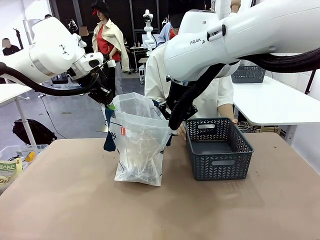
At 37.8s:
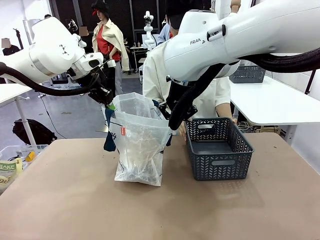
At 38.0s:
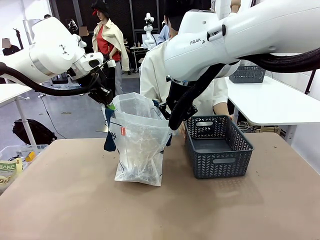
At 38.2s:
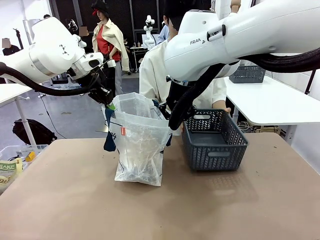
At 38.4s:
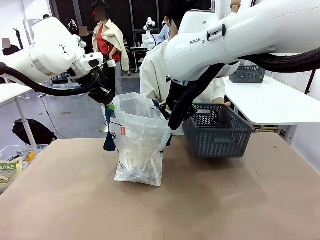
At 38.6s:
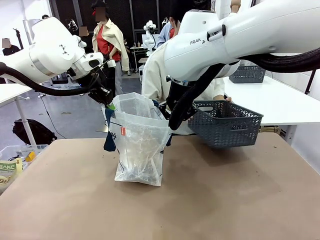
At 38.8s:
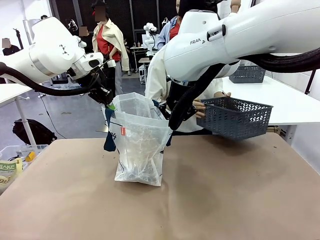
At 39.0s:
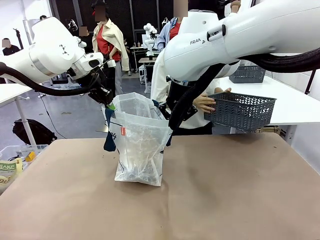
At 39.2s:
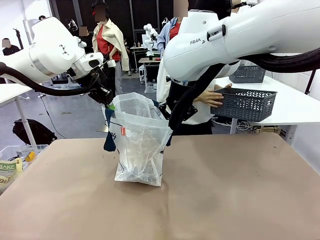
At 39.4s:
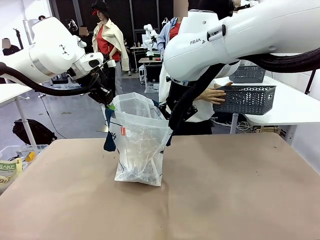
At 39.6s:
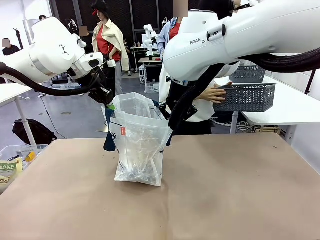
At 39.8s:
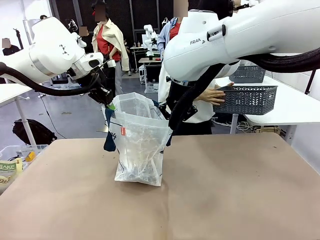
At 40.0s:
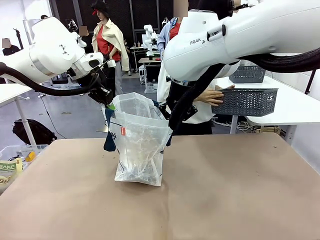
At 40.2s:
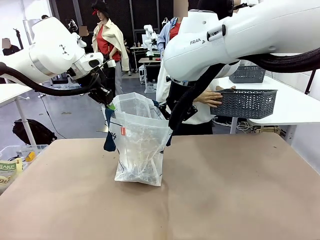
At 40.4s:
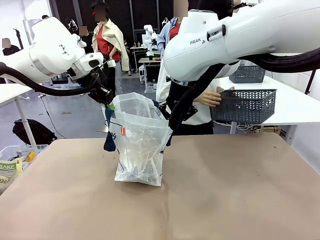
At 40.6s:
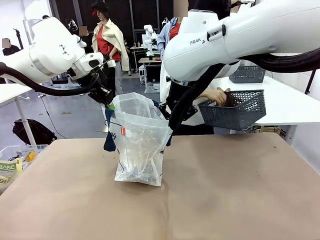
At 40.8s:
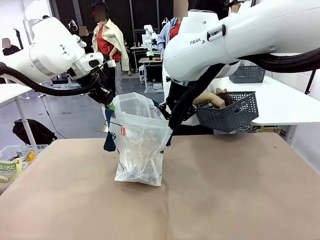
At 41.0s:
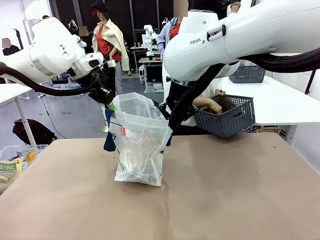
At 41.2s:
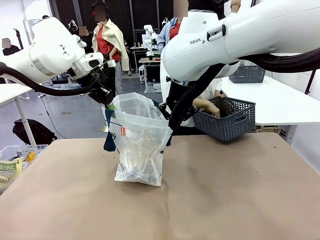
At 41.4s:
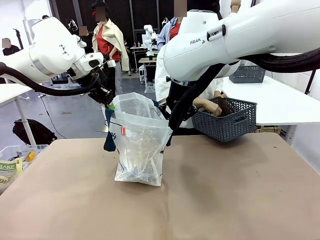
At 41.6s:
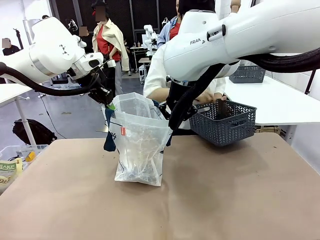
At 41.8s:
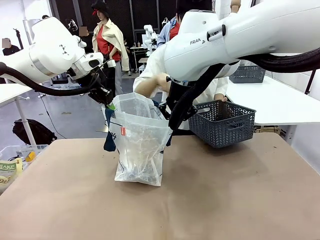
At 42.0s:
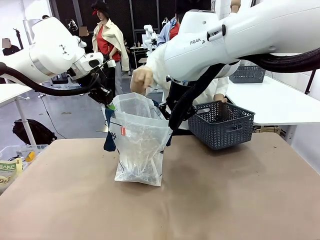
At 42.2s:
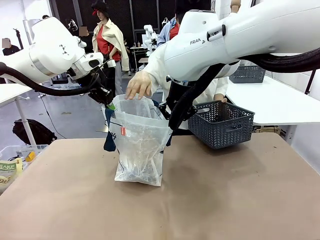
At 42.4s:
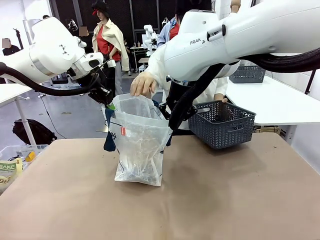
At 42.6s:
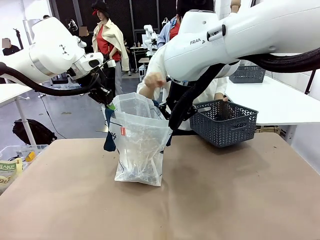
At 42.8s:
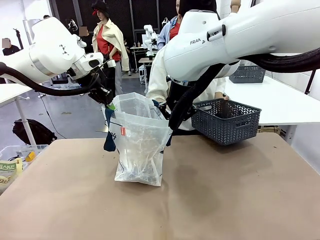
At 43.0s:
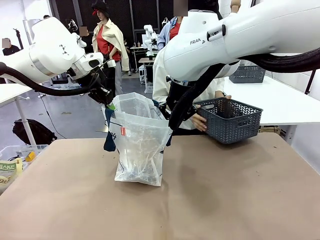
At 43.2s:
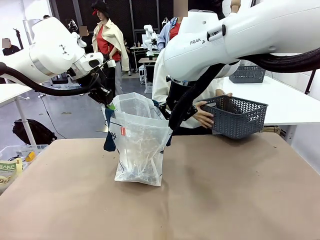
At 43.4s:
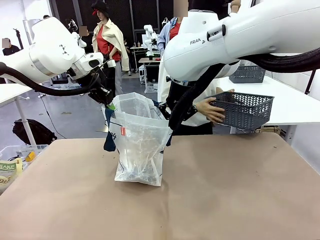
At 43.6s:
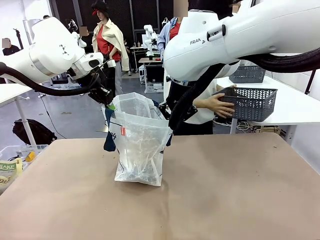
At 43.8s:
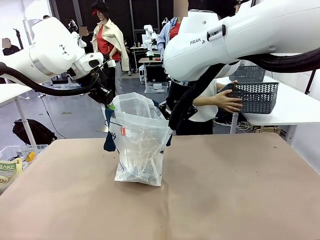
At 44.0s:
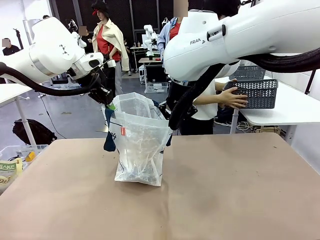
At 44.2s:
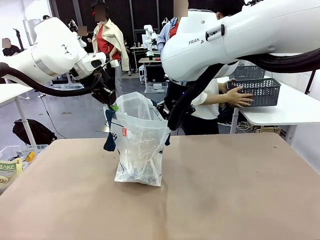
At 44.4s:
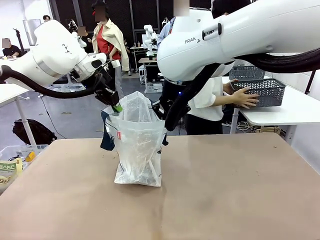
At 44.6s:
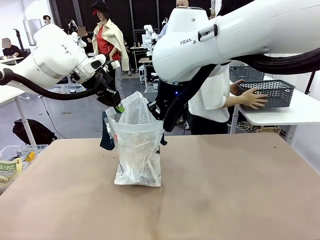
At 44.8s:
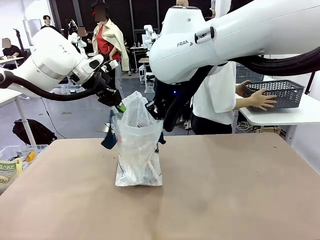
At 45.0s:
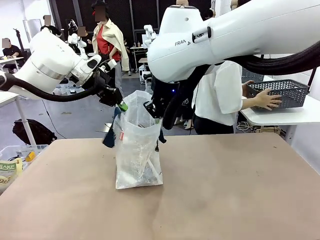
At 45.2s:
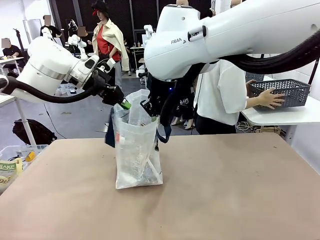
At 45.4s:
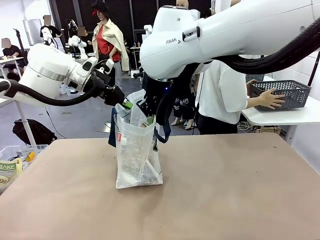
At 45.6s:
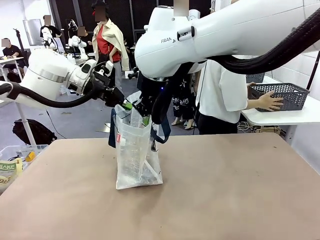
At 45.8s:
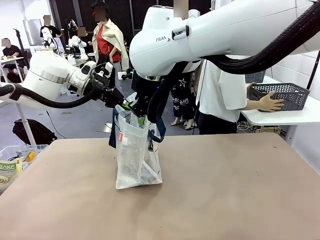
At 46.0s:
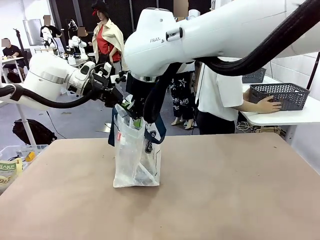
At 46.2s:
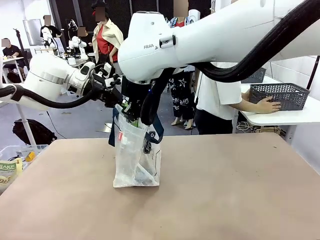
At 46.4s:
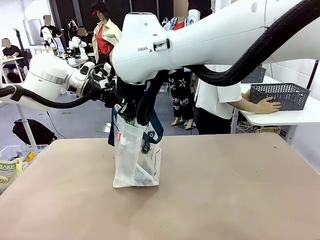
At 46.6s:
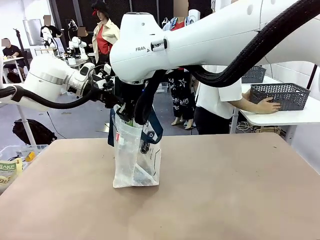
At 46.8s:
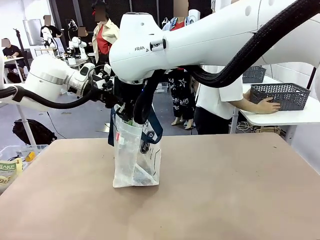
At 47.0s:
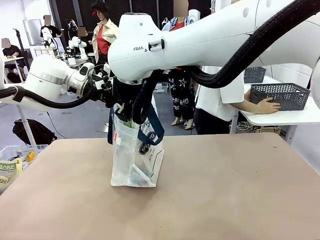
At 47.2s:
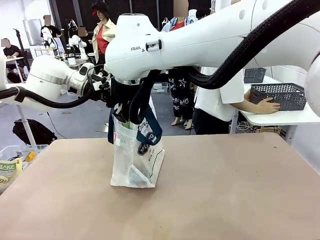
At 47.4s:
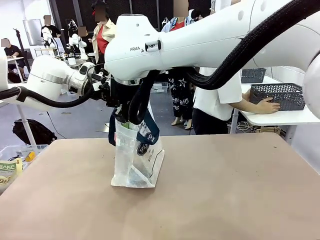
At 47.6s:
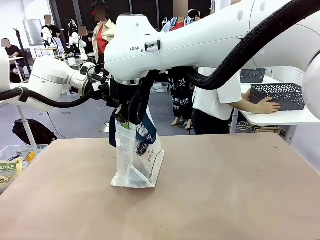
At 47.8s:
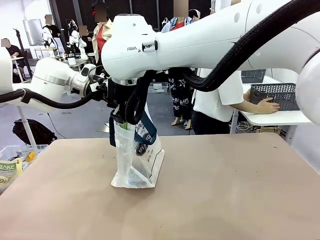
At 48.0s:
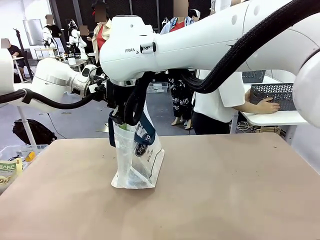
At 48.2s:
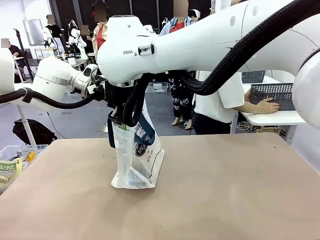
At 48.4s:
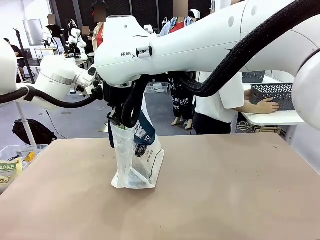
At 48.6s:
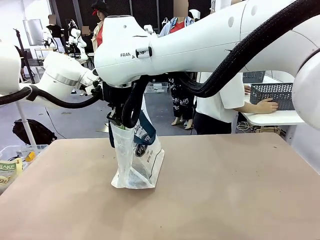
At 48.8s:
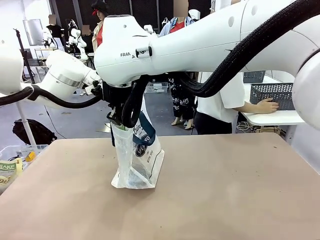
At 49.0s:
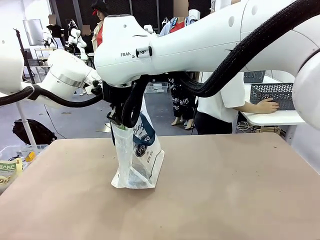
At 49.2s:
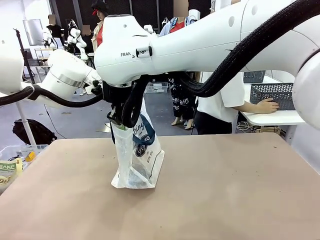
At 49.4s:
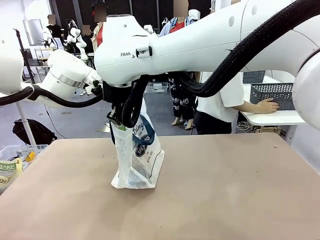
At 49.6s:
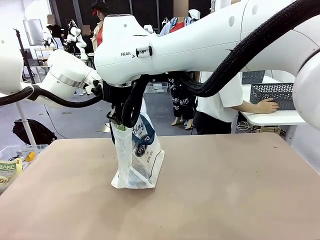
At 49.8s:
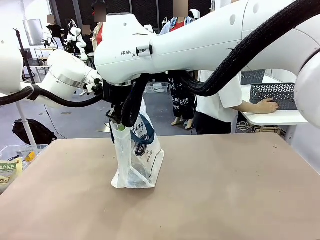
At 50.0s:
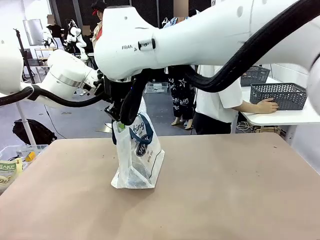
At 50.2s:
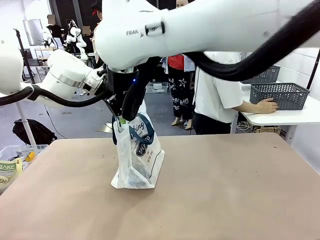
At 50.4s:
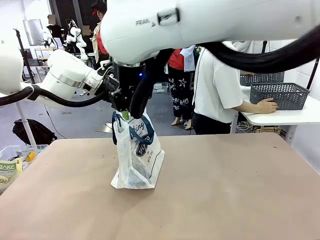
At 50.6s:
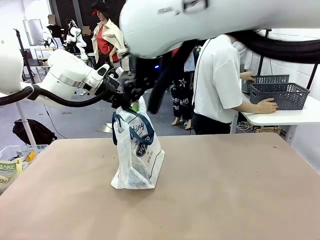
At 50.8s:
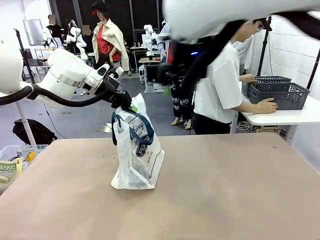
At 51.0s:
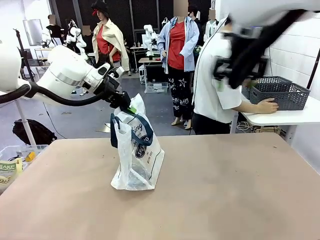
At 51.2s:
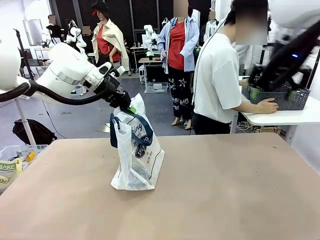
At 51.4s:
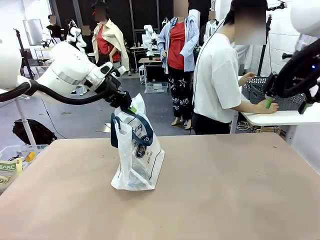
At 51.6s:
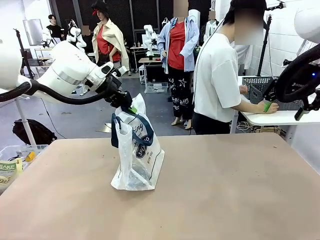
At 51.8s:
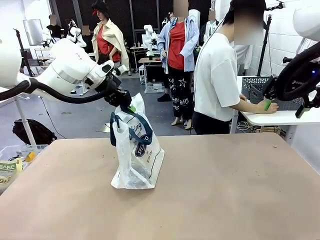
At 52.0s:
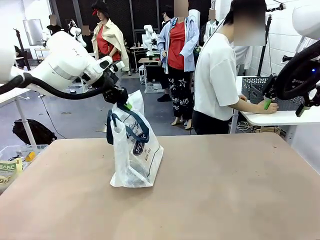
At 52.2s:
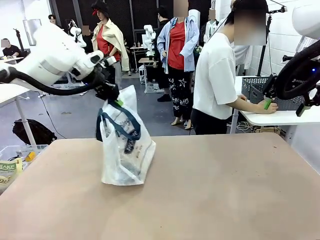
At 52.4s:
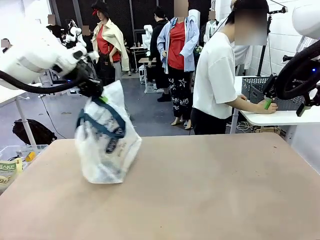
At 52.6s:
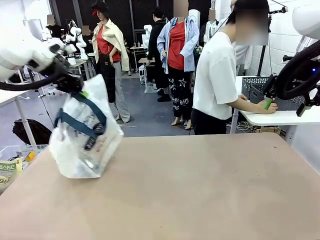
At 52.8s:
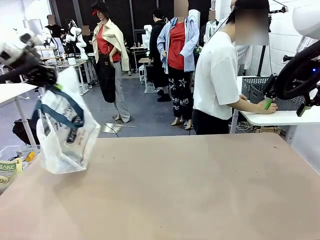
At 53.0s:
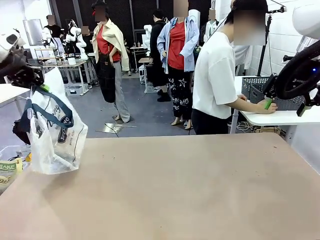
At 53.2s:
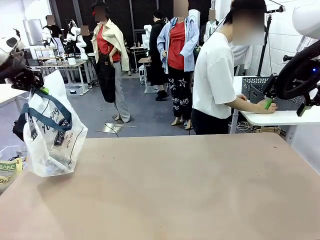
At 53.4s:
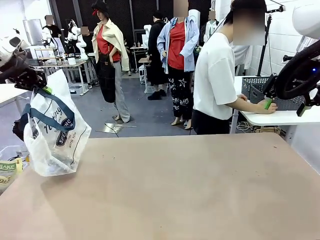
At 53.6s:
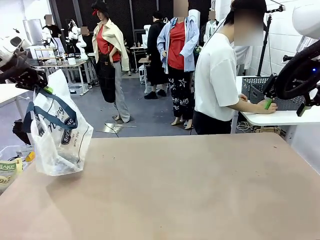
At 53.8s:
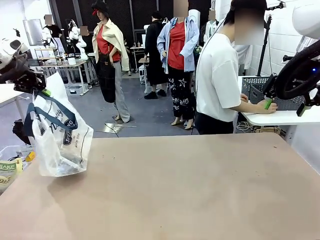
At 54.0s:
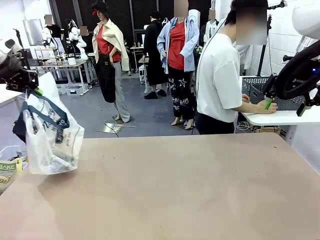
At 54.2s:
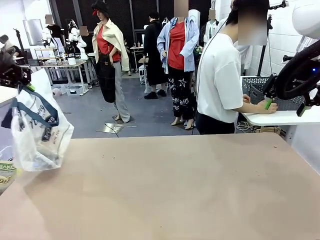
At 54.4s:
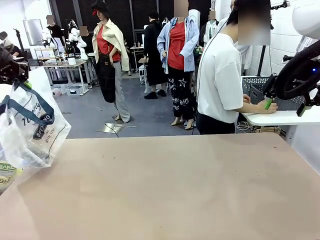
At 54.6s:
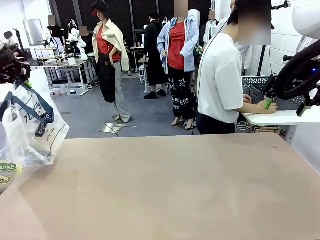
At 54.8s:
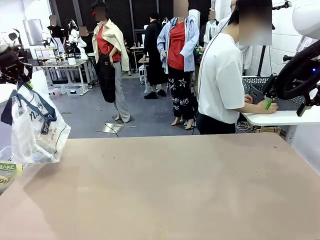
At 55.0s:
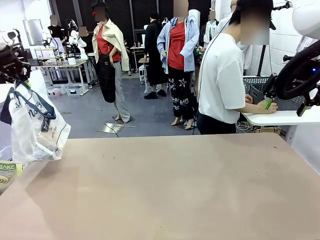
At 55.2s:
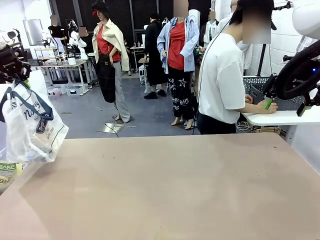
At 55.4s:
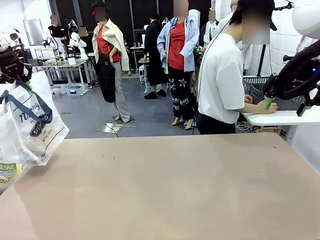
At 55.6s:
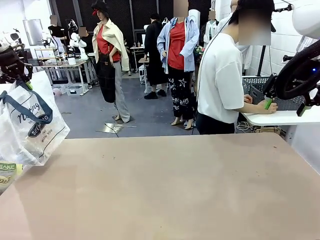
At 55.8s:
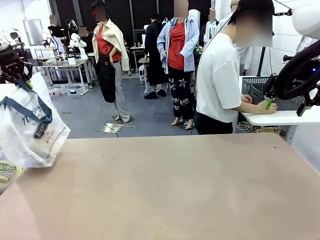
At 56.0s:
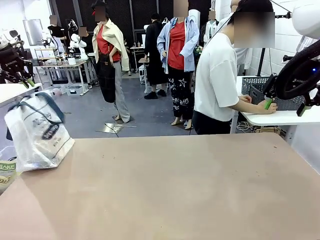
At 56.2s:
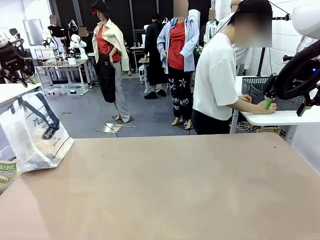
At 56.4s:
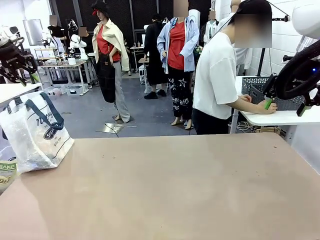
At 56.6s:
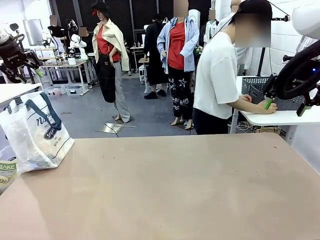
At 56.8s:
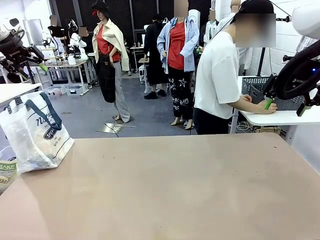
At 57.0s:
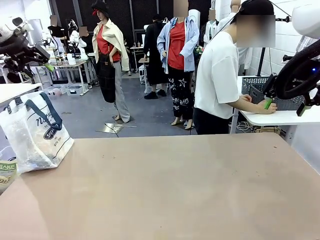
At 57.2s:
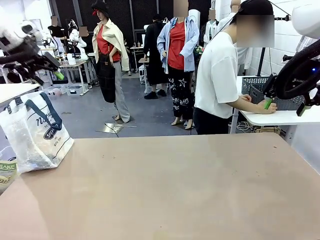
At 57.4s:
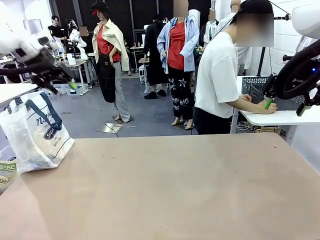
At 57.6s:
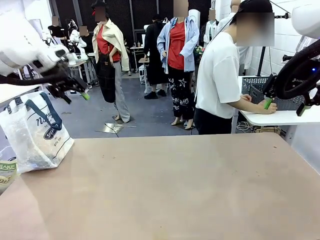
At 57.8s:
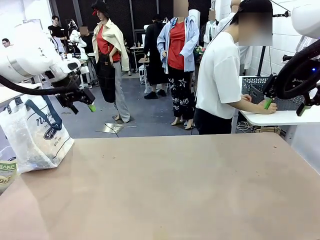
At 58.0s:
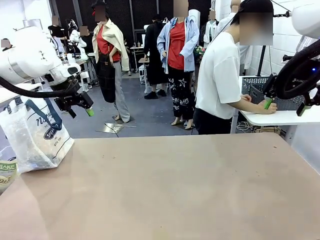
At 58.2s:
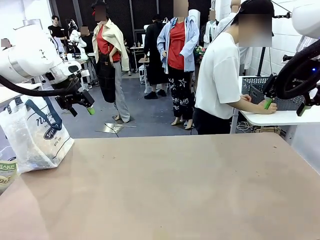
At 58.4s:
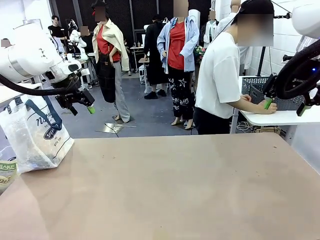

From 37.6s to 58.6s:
Task: Transfer purchased items from the store into the shopping bag.
Robot: Move the Reusable shopping bag to the right side of the table.
Person: Pick up the basket with the items out and place it on the right side of the human table. Move the basket on the left to the middle of the person's table.
